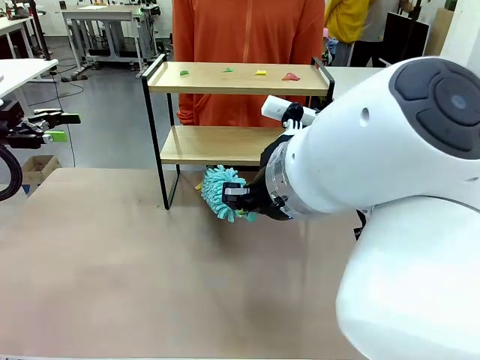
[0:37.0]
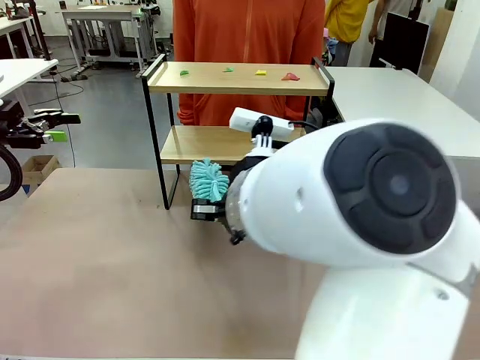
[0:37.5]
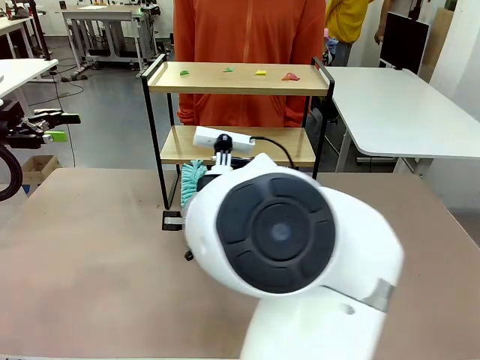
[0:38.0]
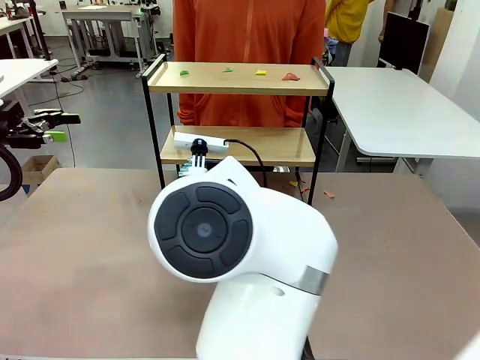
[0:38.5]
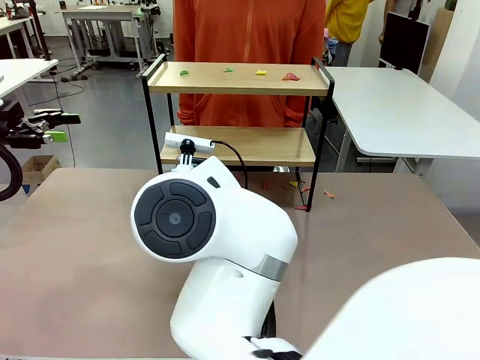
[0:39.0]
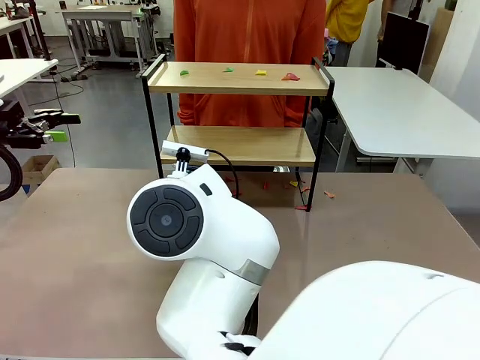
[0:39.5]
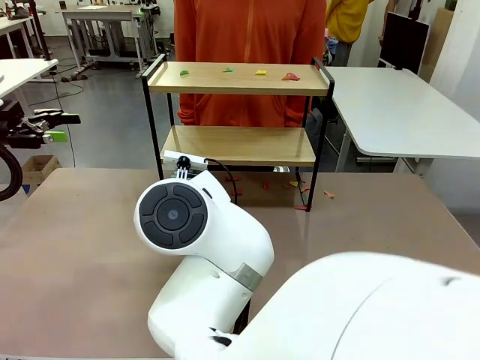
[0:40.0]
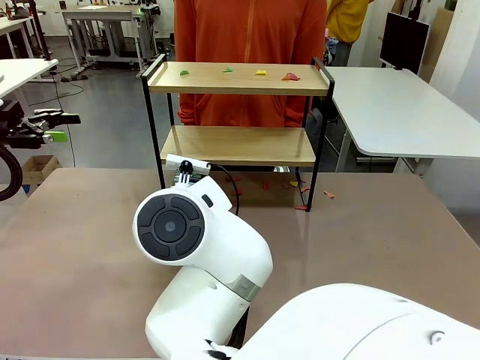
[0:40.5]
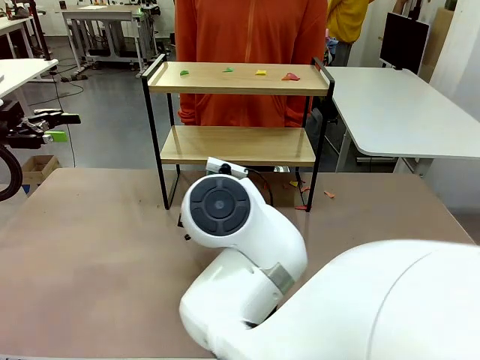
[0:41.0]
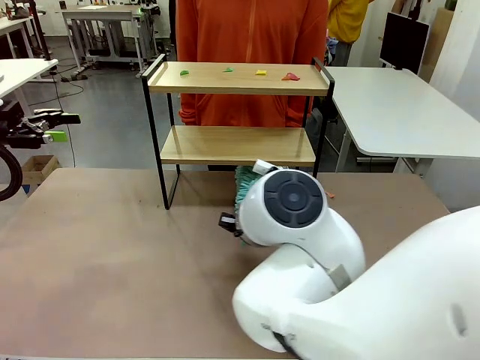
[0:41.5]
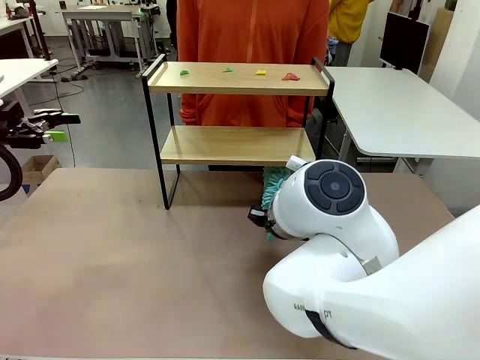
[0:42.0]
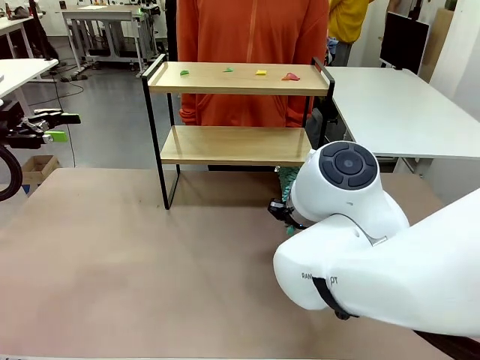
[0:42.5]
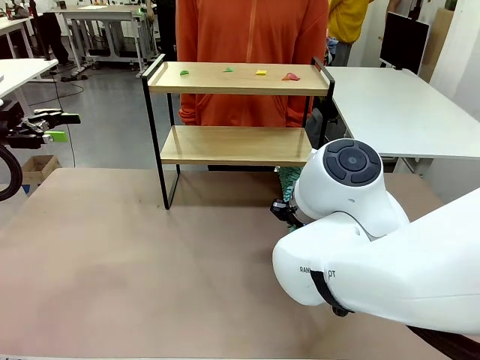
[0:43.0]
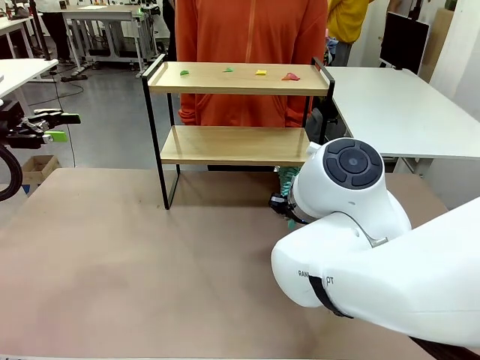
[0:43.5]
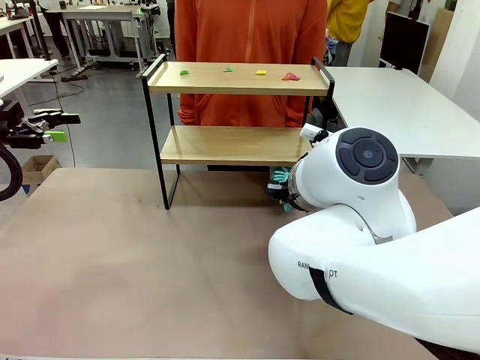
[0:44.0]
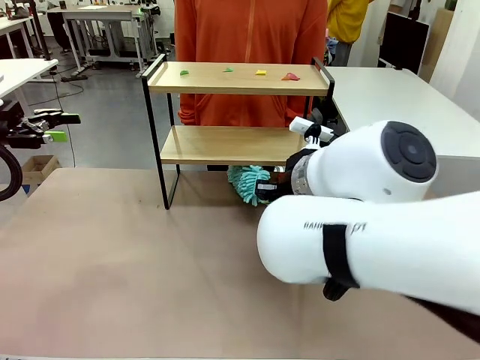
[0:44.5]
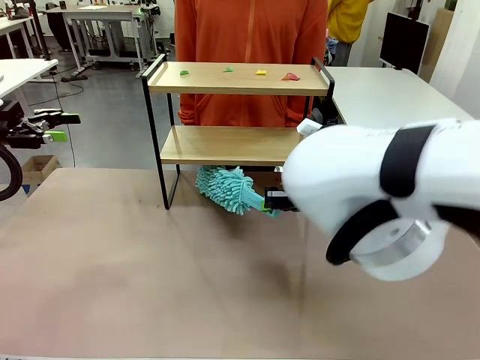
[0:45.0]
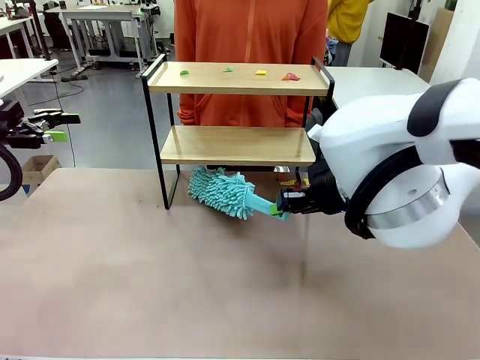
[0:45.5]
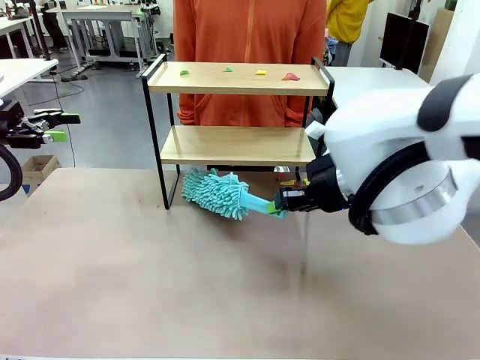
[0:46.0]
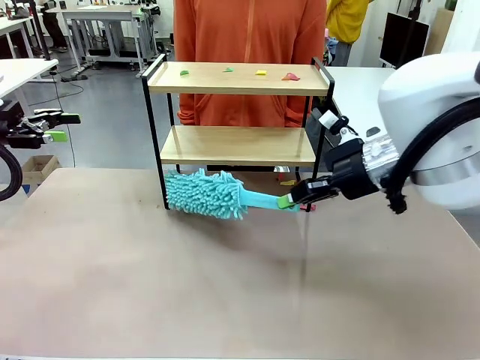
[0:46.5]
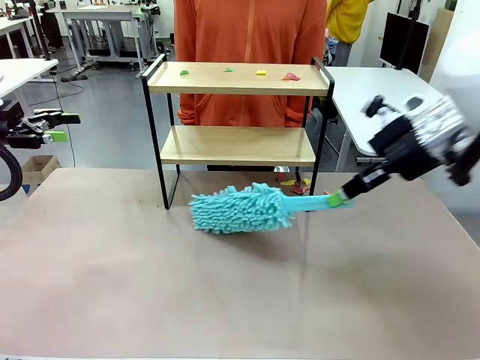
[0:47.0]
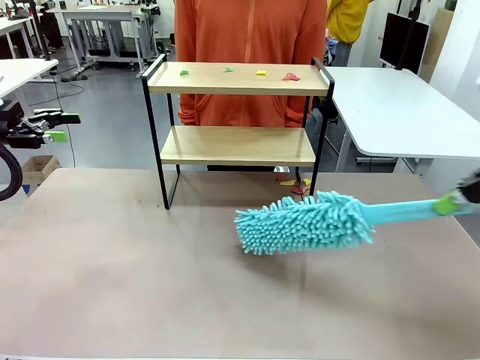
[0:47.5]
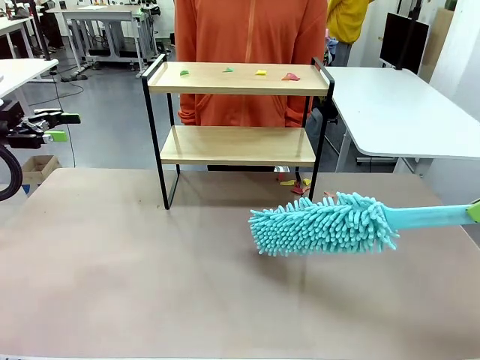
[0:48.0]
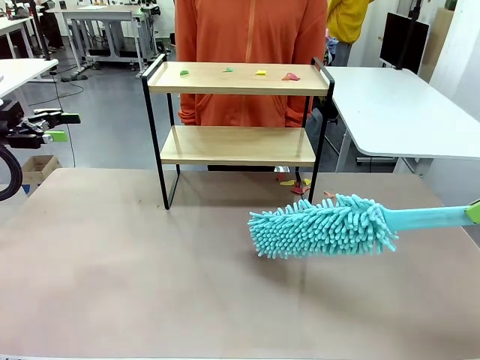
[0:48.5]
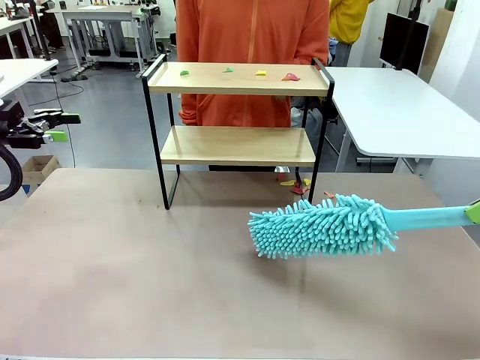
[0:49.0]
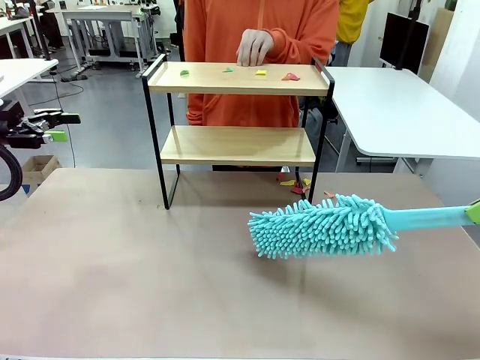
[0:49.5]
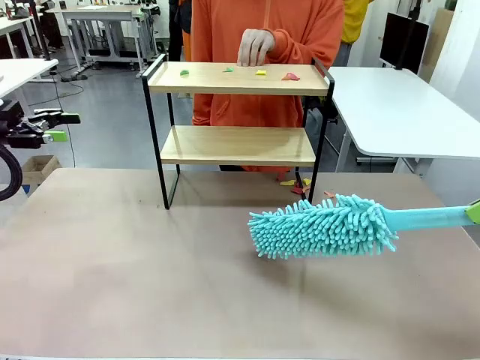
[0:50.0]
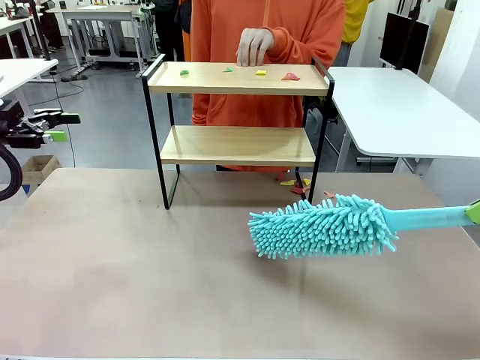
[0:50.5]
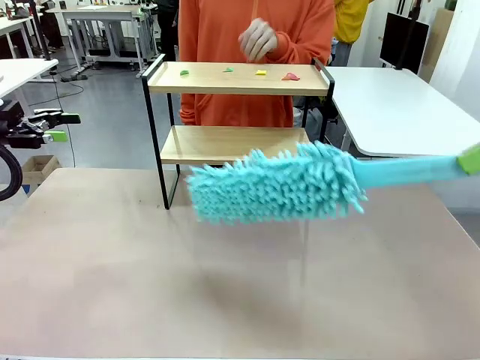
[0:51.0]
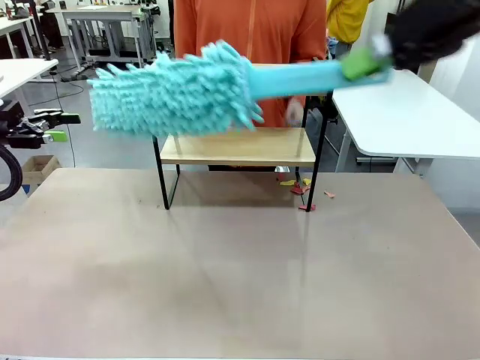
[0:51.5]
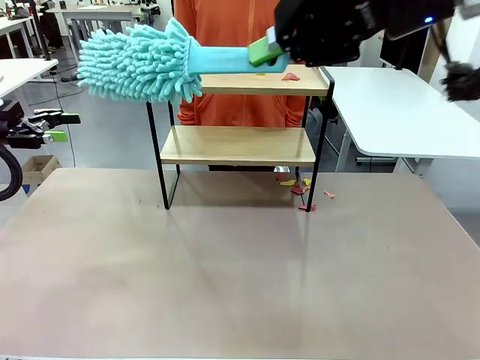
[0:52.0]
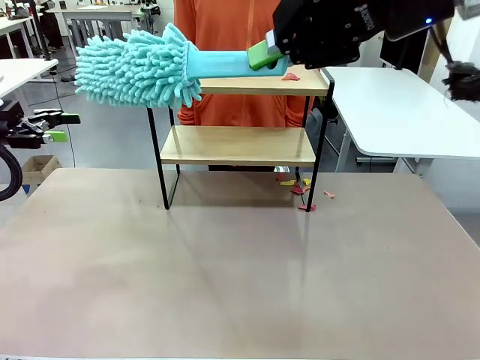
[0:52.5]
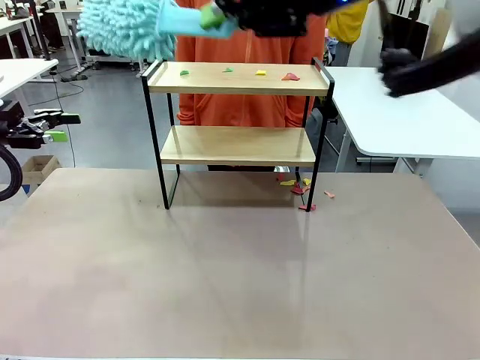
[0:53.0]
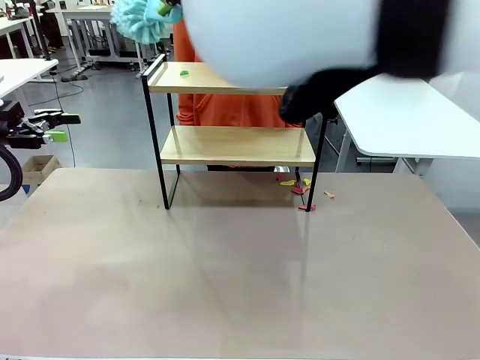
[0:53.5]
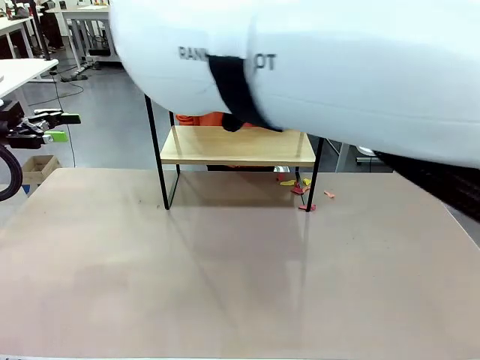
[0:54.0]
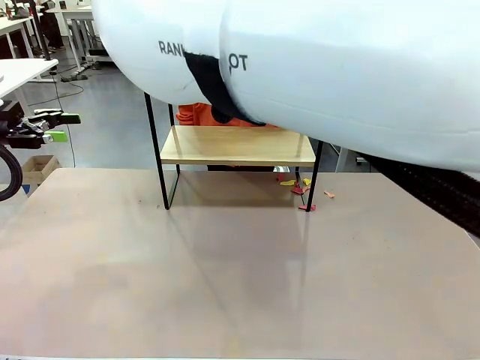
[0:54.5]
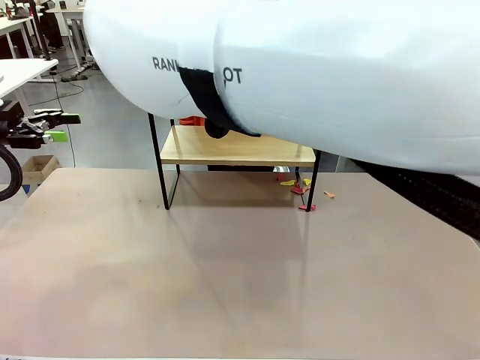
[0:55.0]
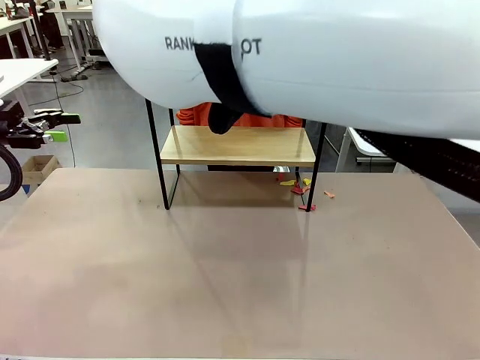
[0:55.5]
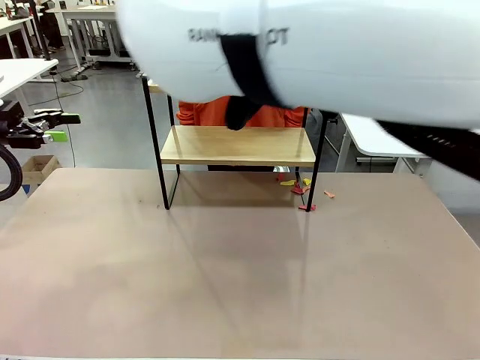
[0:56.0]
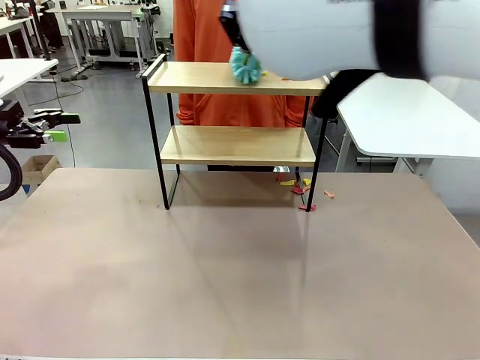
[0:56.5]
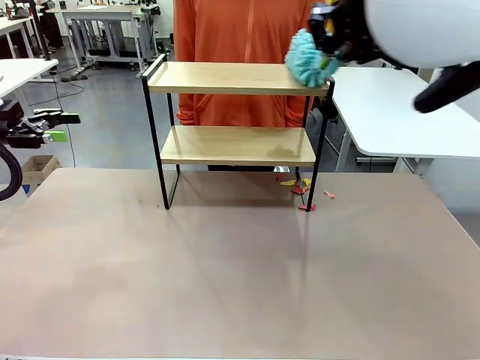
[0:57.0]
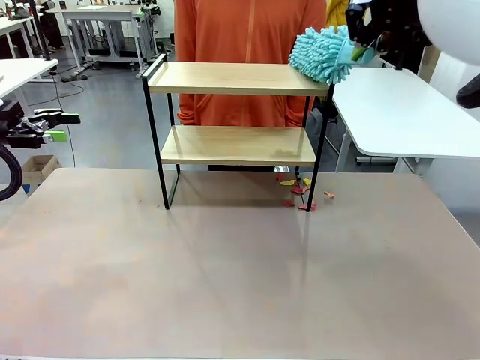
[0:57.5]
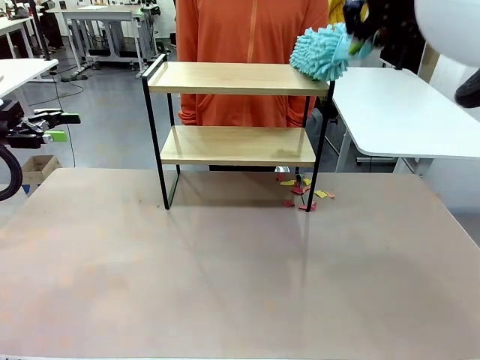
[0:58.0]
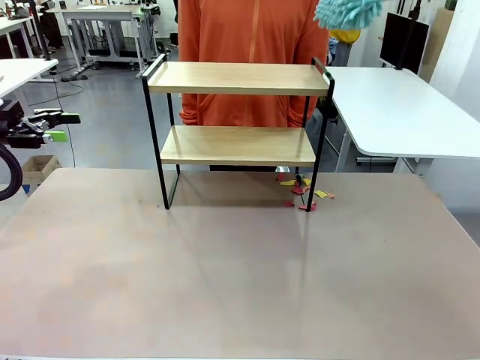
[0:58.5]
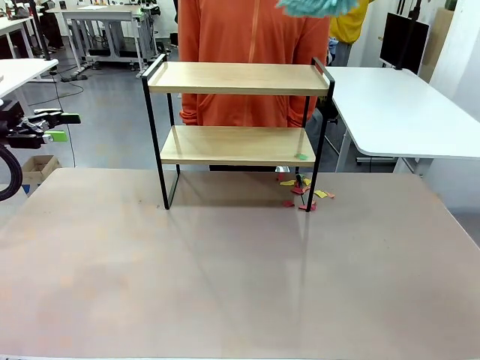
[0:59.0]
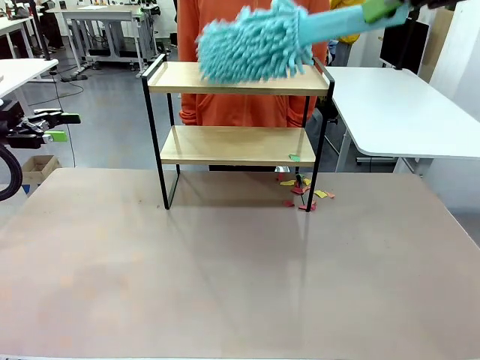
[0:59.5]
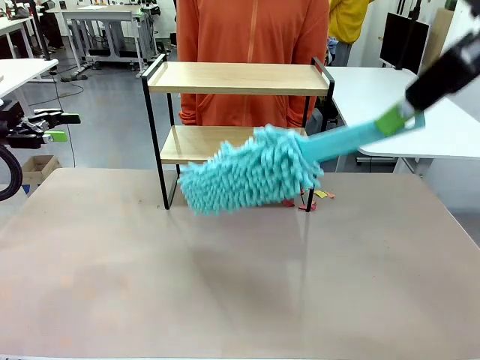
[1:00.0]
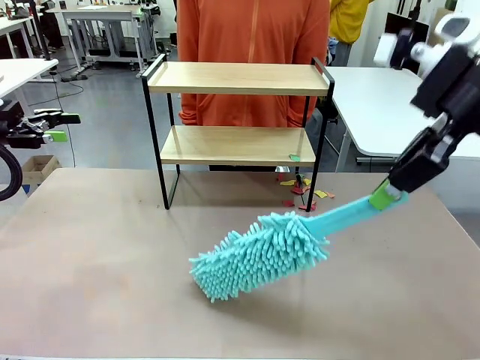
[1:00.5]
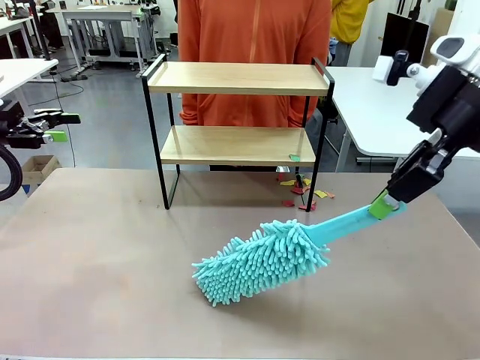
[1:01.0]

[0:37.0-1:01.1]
Task: Clean the shelf.
Robot: Clean the specific section of the Shelf indicated by the human with the Duster.
Person: Point a remaining section of the Shelf.
